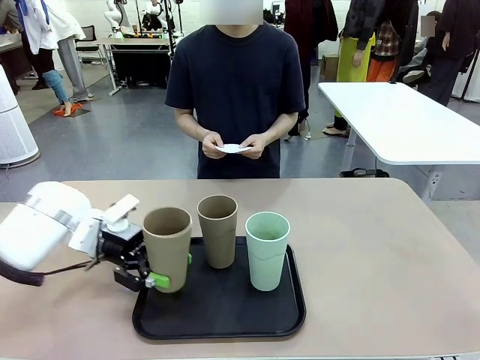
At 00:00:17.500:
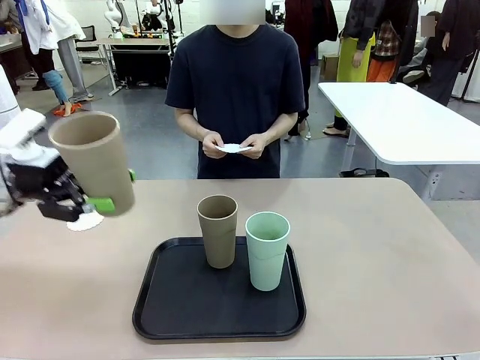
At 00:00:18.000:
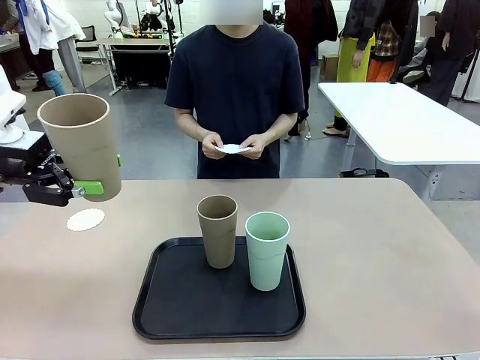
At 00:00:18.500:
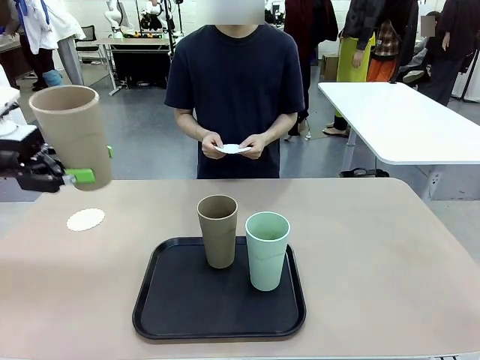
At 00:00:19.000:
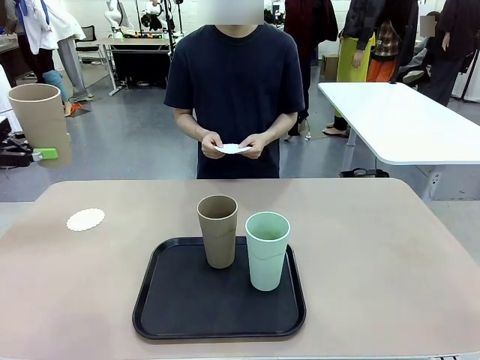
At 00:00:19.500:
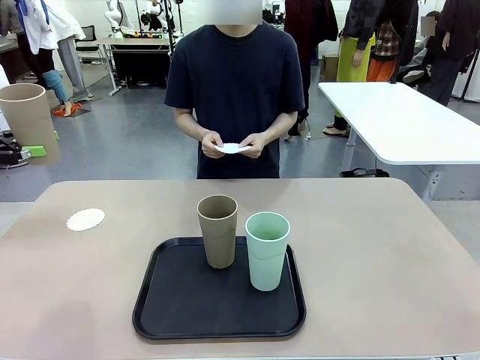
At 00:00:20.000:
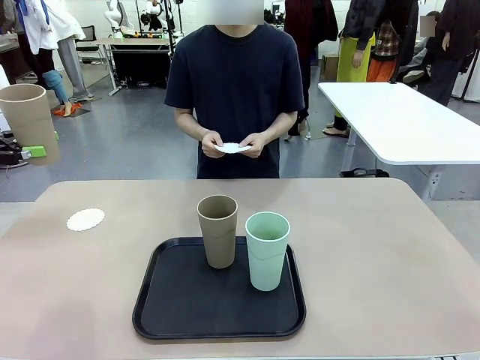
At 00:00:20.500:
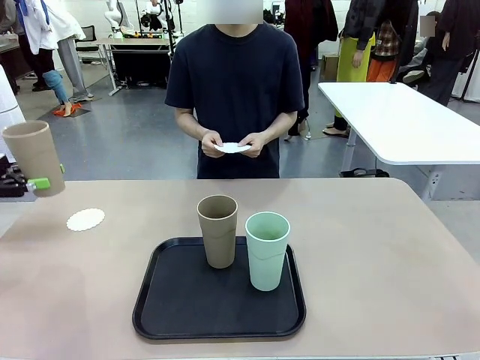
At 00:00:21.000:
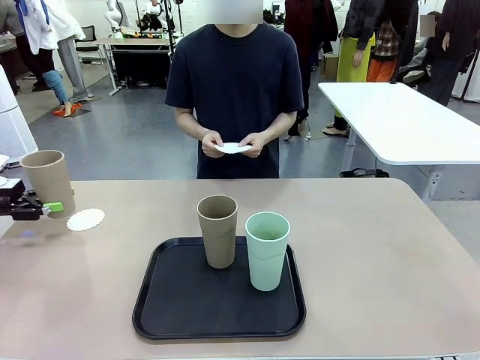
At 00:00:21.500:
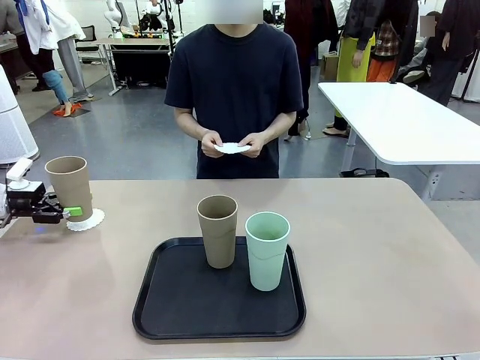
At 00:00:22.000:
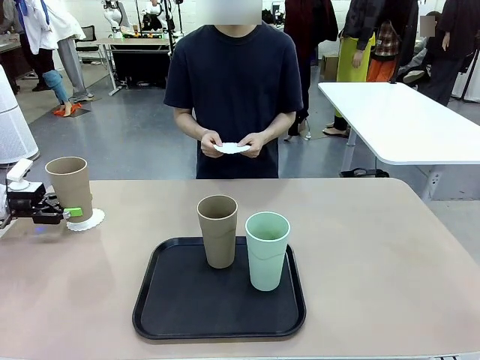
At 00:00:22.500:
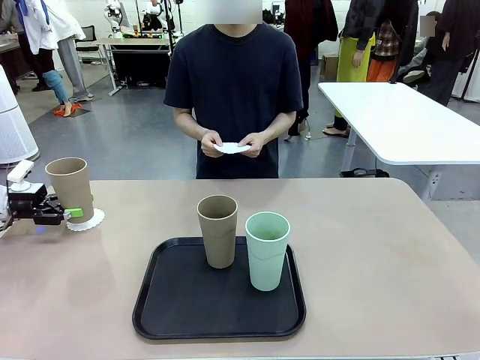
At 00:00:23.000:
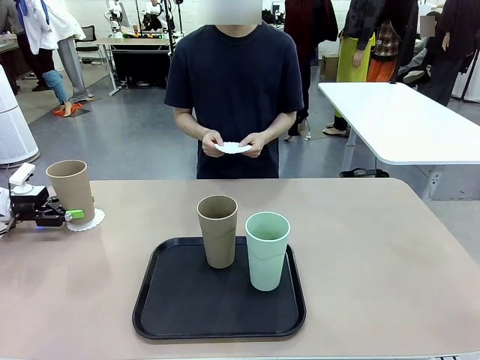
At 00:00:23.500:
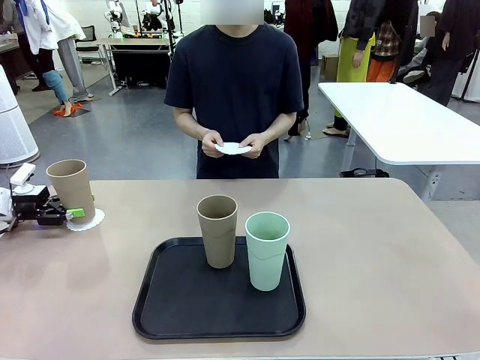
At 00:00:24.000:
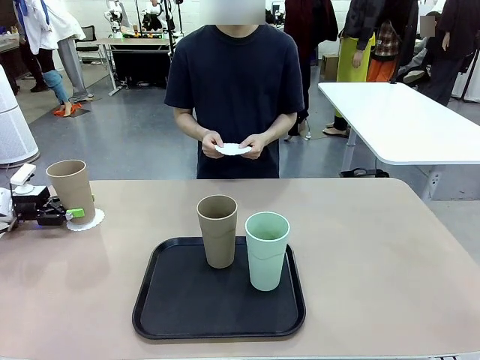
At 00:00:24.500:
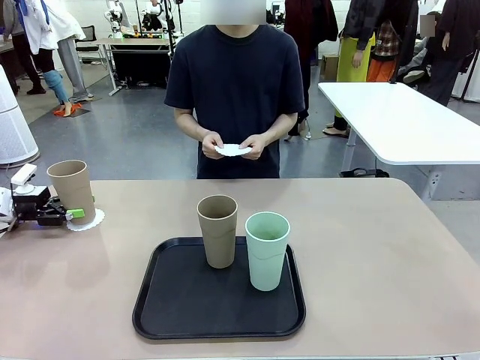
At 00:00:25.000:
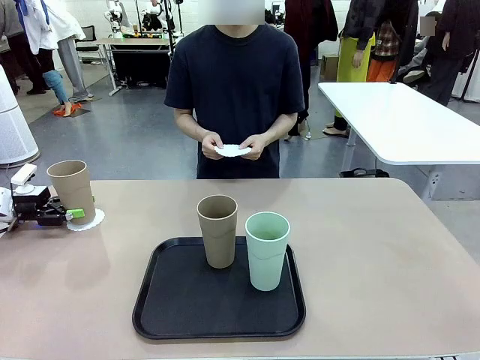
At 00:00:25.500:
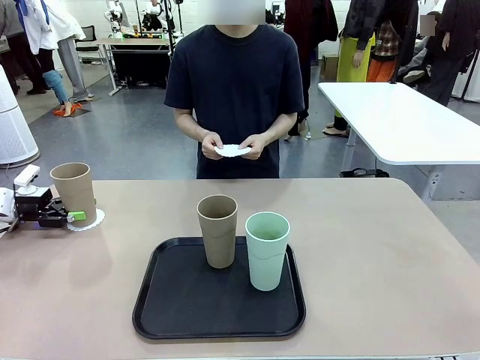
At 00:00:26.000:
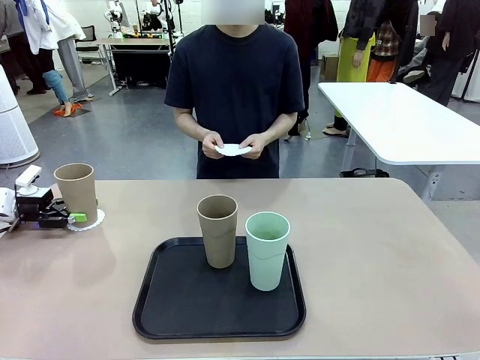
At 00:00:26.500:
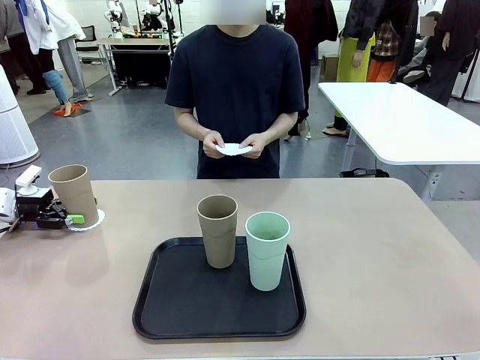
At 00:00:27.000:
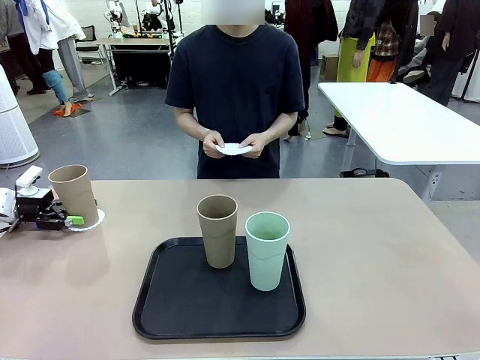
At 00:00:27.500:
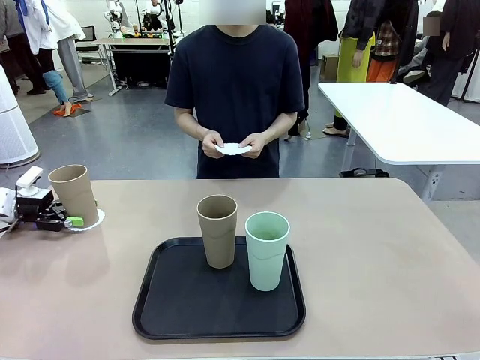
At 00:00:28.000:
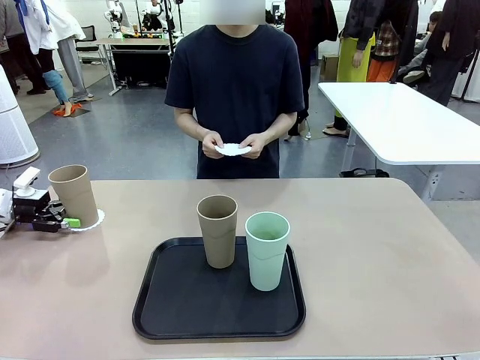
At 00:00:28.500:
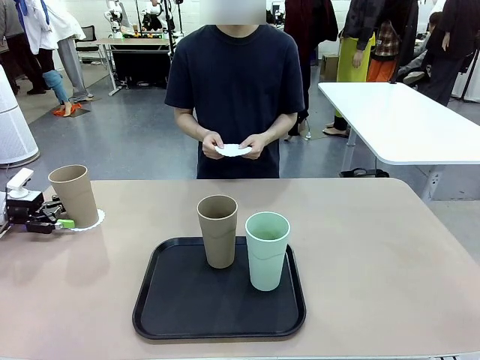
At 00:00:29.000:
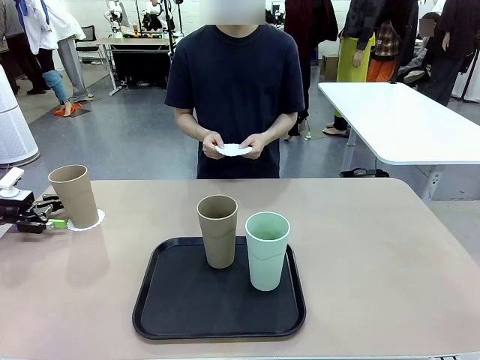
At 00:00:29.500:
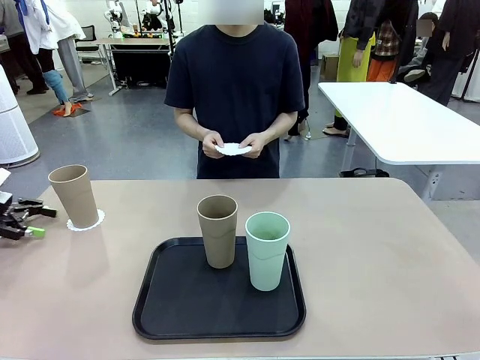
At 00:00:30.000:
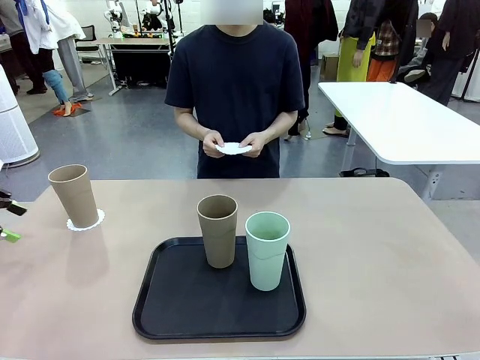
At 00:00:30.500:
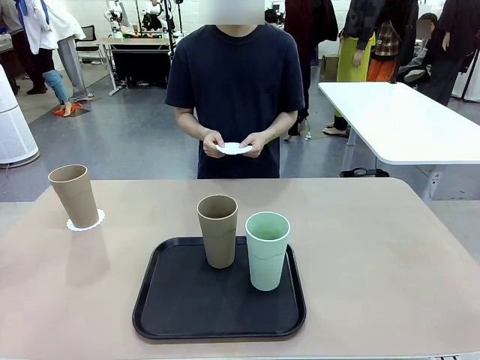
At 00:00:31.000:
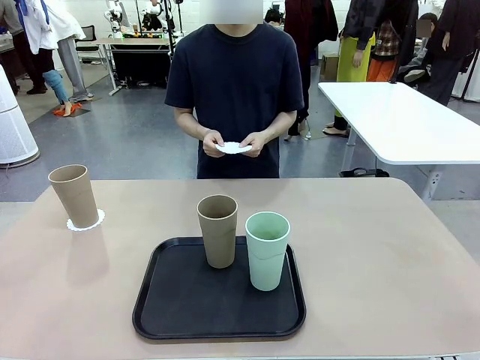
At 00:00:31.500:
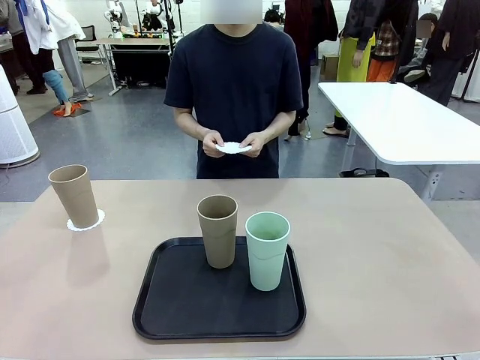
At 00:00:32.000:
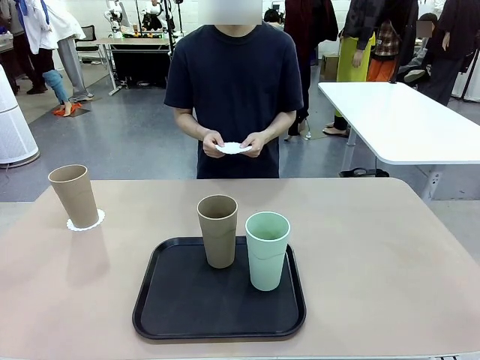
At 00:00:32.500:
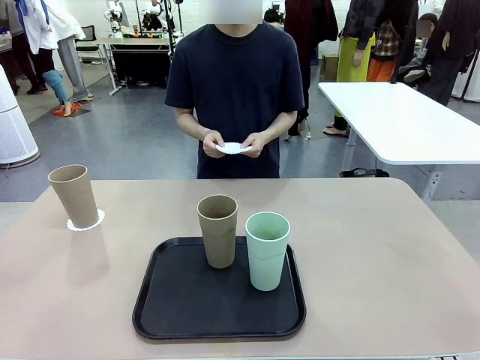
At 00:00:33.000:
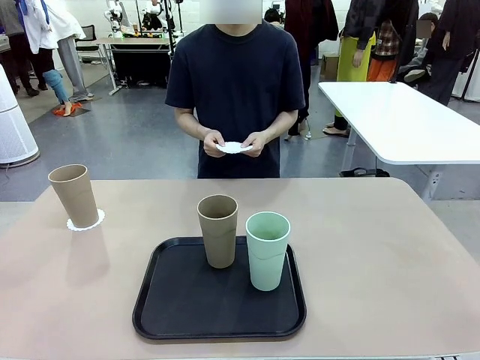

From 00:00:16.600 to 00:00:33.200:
Task: Place coasters on the table and set cups on them.
Robot: Pick up one Reusable plastic cup and place it on a coaster set by the human.
Person: Place one coaster in one of the two areas excluding the previously selected area.
